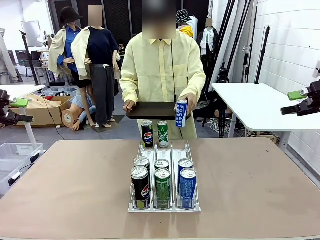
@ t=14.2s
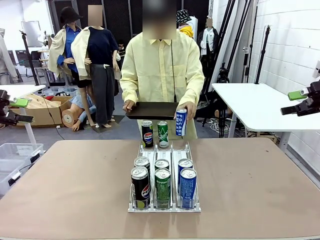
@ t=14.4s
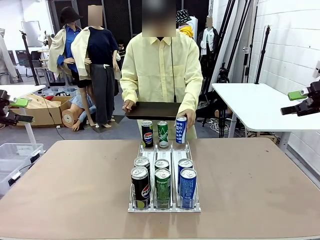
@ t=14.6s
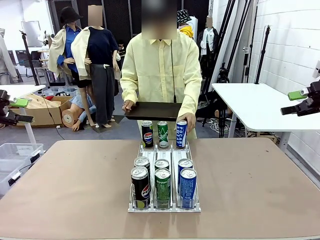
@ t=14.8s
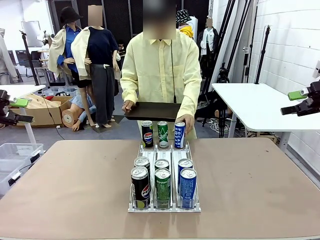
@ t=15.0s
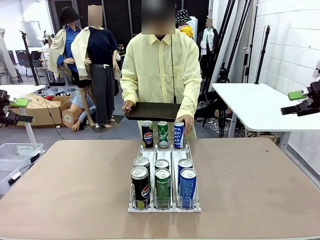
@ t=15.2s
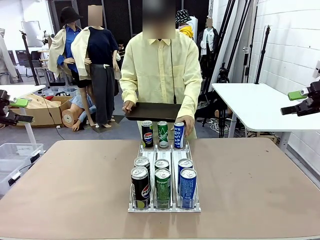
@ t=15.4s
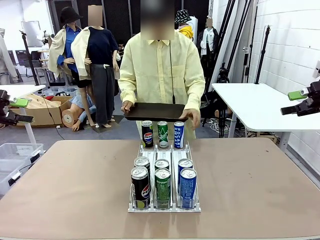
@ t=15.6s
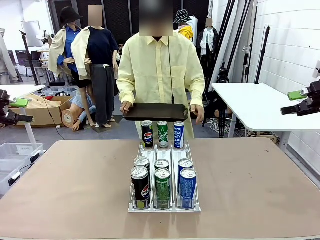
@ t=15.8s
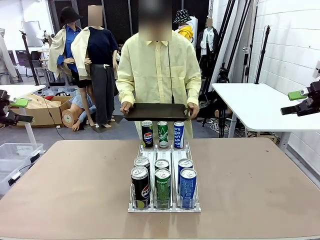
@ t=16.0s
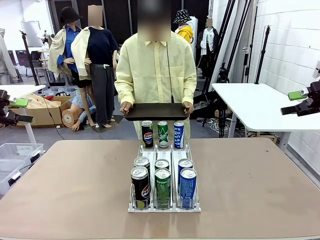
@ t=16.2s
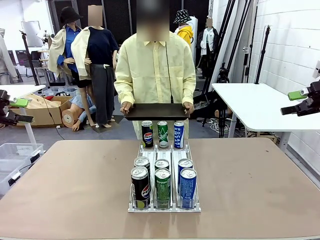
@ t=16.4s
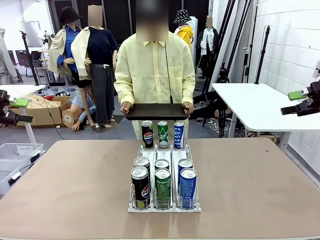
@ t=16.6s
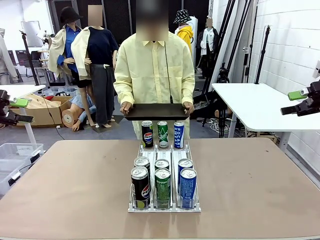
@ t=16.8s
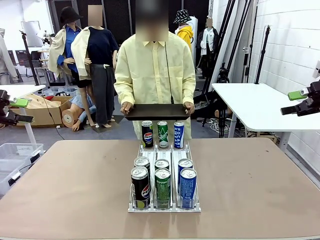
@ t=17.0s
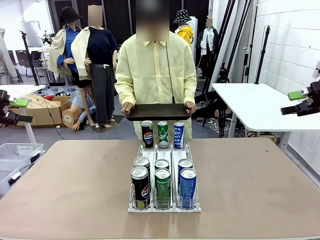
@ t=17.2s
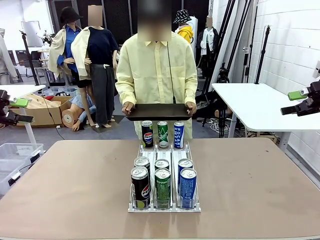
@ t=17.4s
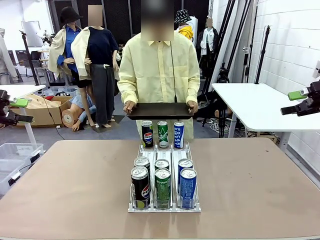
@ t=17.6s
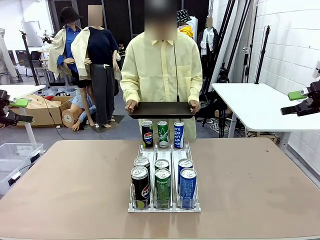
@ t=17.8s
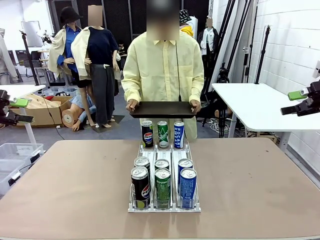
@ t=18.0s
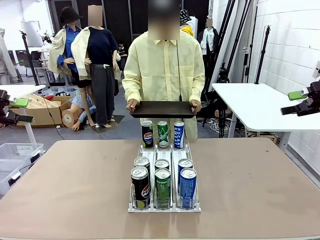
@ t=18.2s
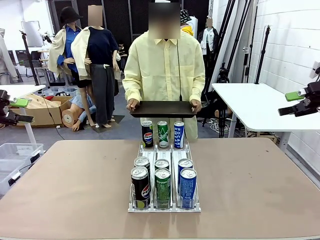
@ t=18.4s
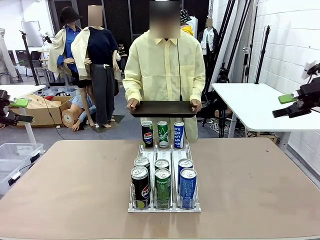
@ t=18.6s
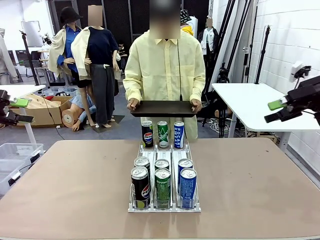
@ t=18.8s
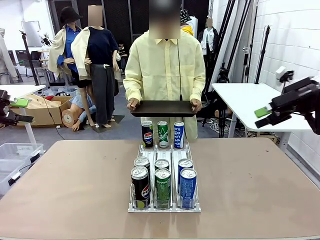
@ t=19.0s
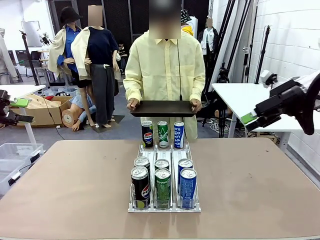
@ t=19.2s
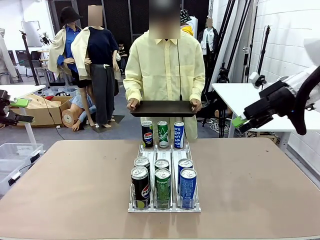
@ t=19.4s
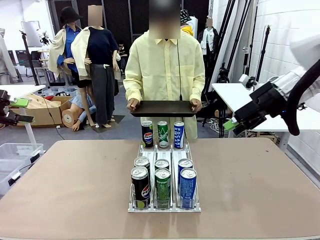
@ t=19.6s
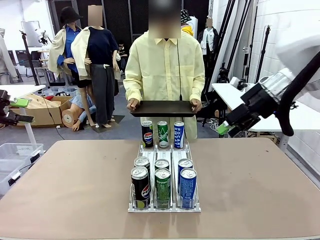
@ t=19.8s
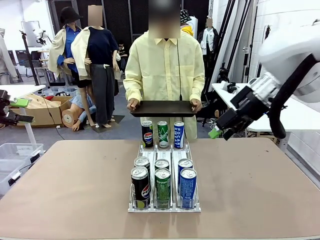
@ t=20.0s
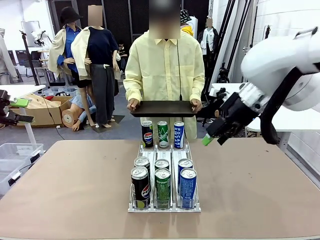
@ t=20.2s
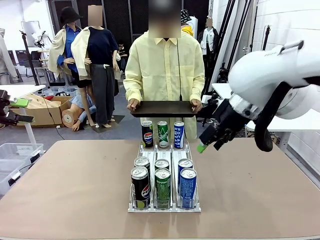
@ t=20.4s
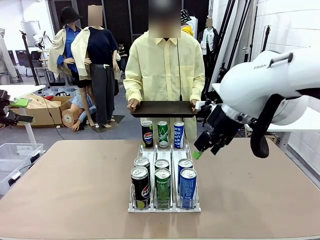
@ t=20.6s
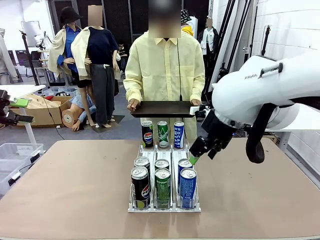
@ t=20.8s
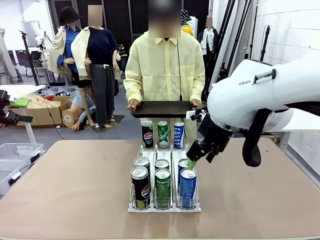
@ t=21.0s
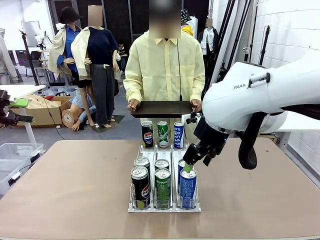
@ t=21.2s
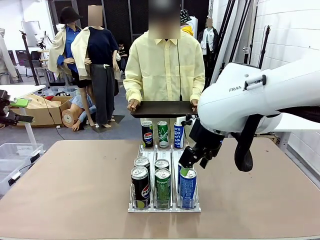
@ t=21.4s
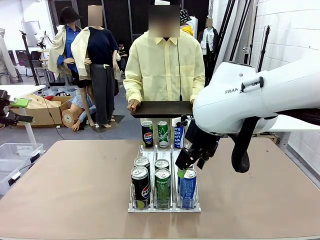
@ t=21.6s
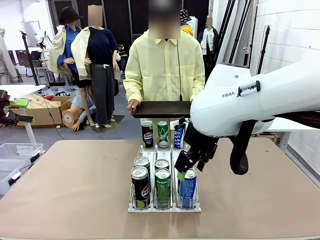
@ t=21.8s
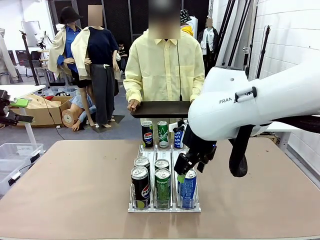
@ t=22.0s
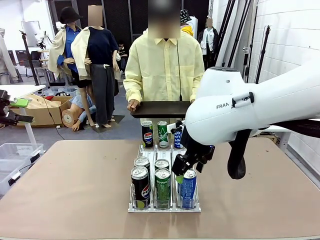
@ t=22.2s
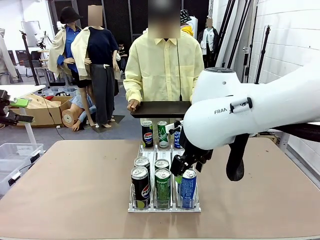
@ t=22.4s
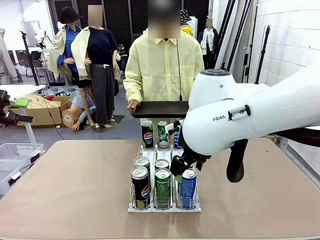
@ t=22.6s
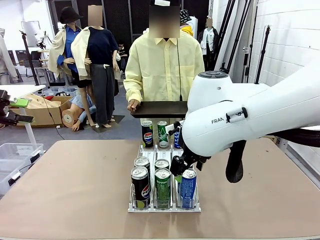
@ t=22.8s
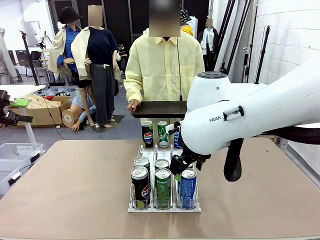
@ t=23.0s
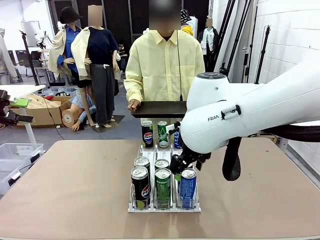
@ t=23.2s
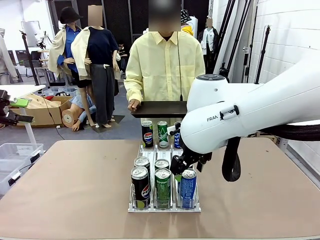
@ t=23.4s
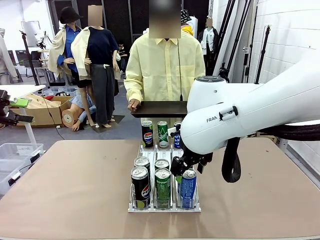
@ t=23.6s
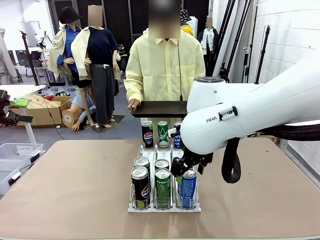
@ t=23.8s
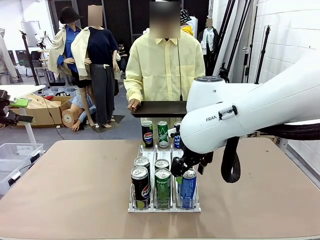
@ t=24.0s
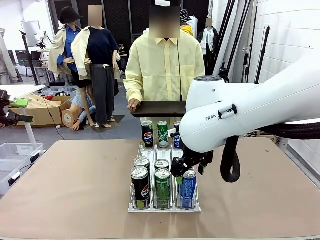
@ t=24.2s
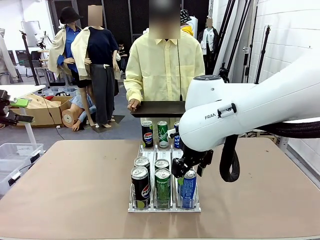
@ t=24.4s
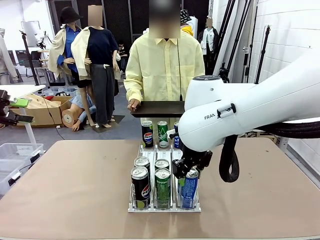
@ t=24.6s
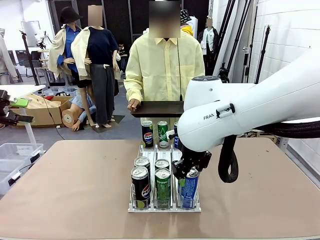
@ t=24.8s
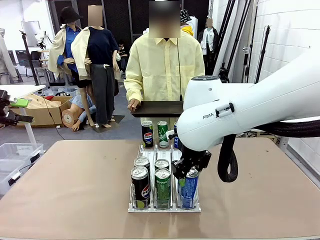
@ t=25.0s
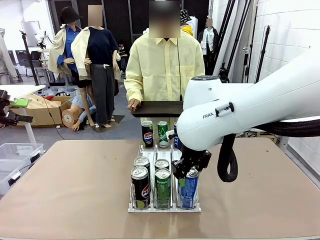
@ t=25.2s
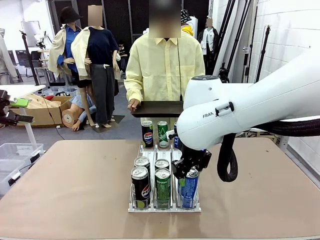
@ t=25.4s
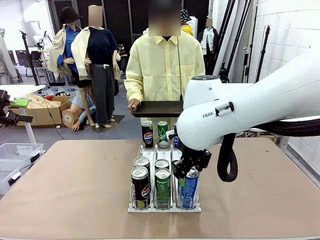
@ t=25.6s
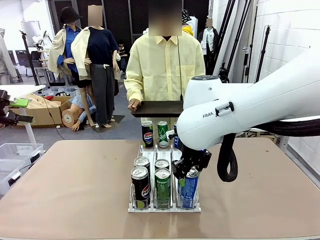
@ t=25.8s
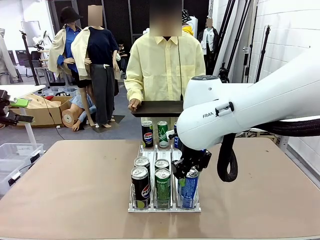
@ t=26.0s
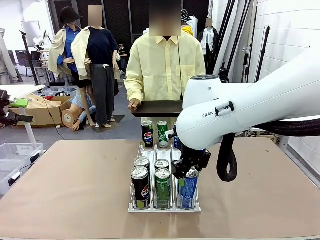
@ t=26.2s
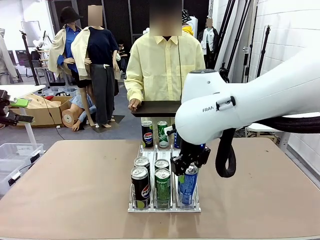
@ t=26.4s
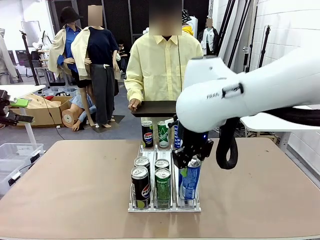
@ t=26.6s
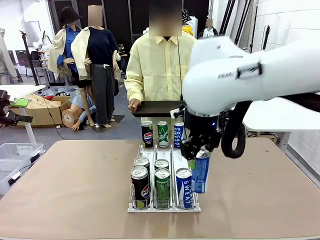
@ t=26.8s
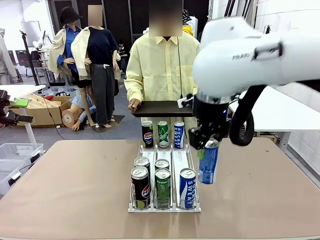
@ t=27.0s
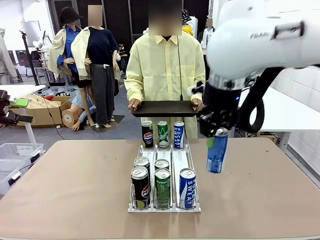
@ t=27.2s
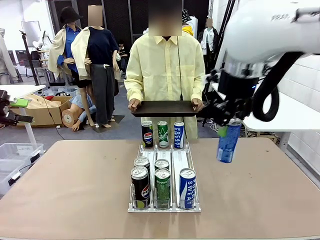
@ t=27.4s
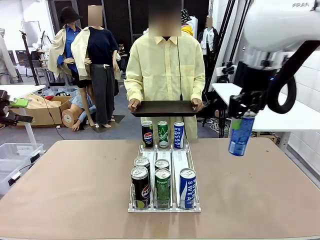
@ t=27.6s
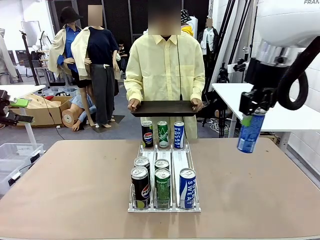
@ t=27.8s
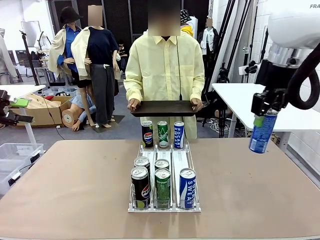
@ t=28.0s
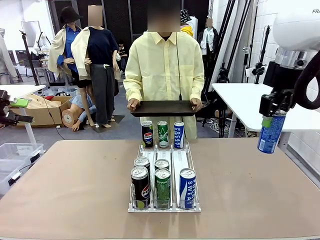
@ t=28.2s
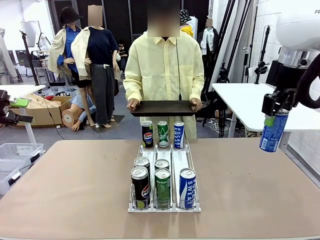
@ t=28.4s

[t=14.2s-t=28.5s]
Task: Retrieve and hand over the desired beverage to the person.
Robot: Pick up a can of the same type that the person held from the Automatic Can Dispenser.
Person: Push the tray toward the robot.

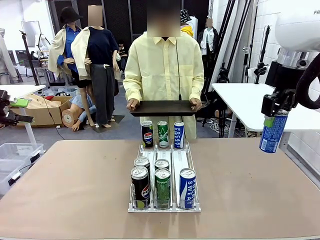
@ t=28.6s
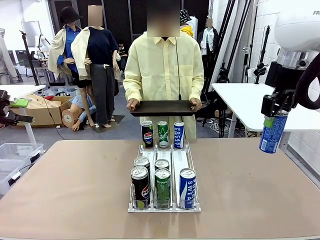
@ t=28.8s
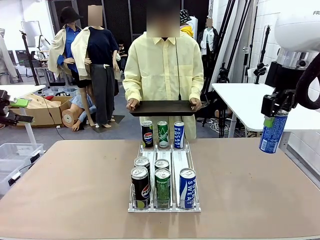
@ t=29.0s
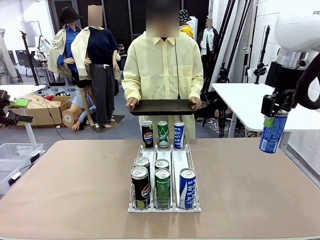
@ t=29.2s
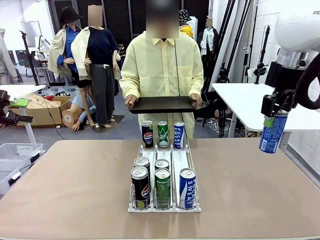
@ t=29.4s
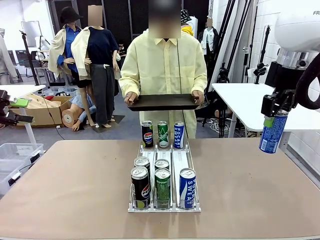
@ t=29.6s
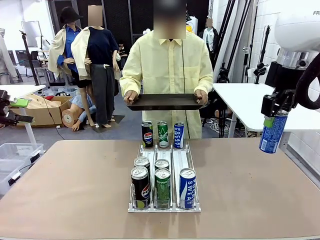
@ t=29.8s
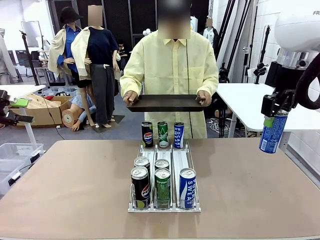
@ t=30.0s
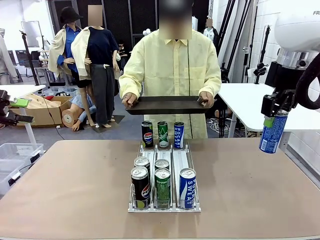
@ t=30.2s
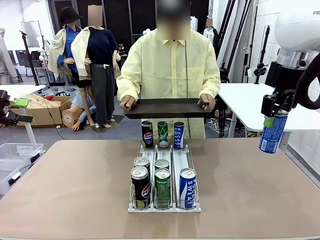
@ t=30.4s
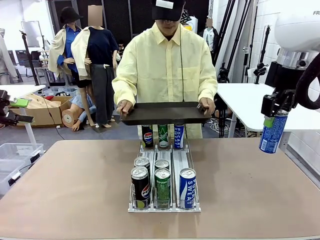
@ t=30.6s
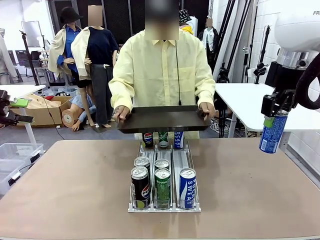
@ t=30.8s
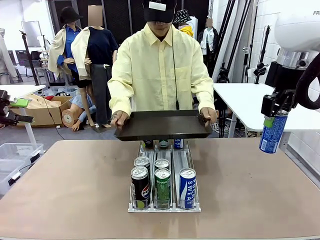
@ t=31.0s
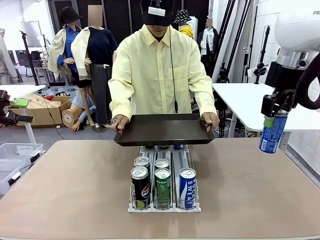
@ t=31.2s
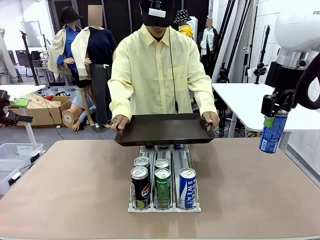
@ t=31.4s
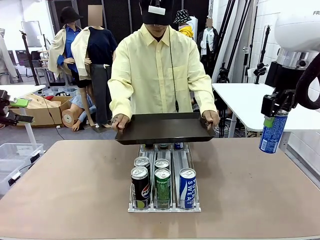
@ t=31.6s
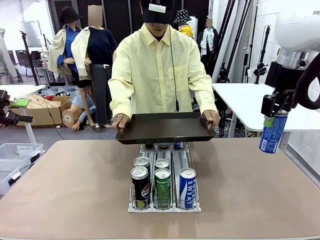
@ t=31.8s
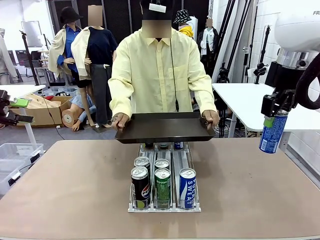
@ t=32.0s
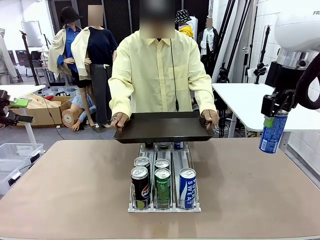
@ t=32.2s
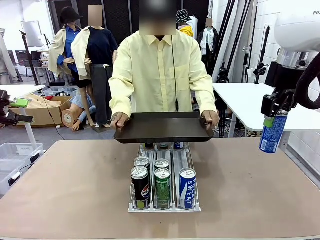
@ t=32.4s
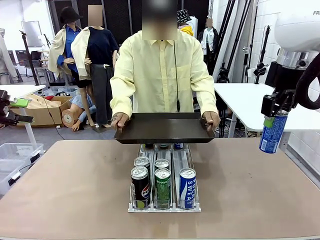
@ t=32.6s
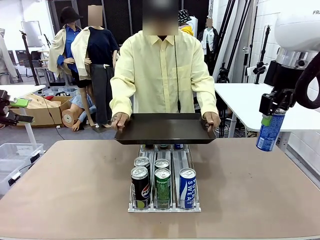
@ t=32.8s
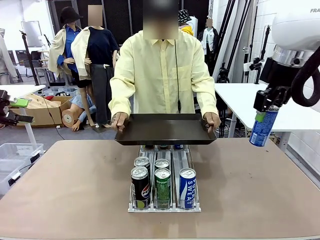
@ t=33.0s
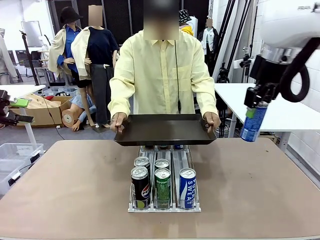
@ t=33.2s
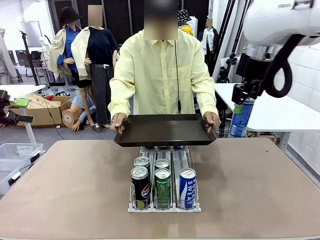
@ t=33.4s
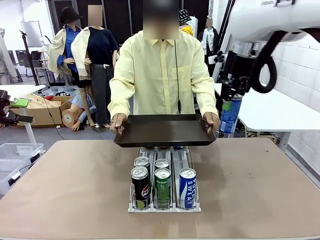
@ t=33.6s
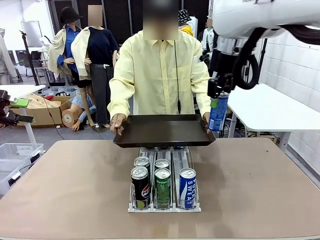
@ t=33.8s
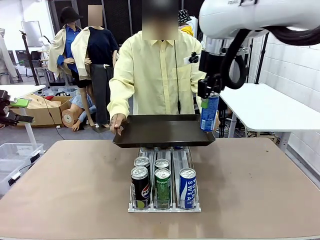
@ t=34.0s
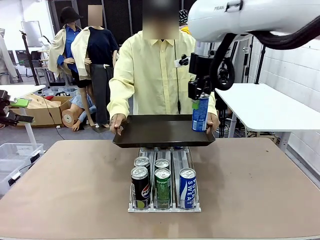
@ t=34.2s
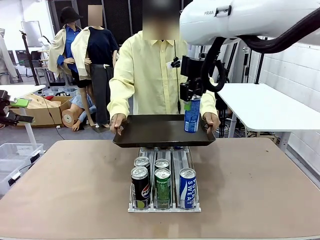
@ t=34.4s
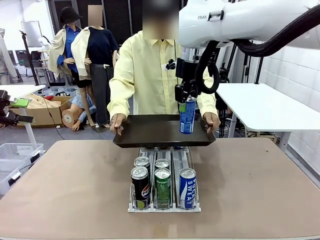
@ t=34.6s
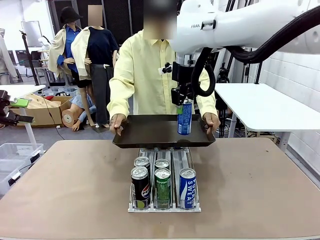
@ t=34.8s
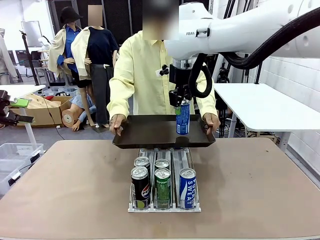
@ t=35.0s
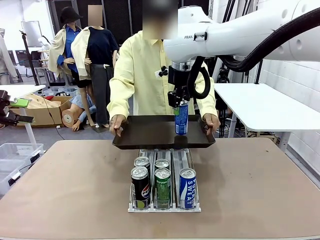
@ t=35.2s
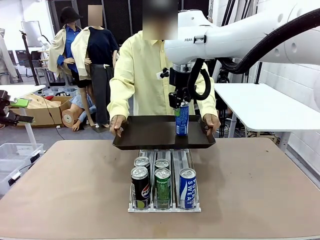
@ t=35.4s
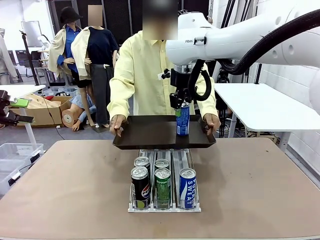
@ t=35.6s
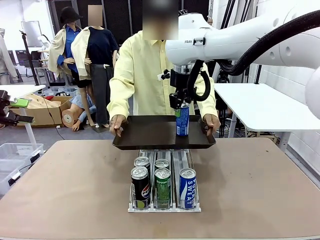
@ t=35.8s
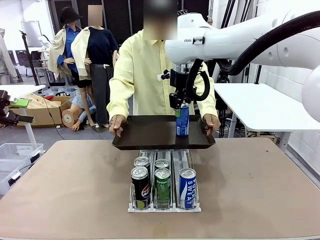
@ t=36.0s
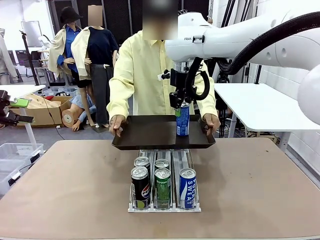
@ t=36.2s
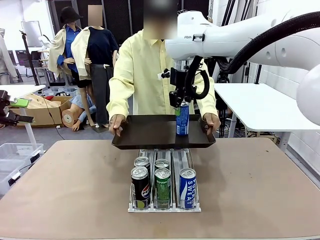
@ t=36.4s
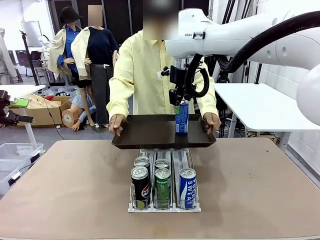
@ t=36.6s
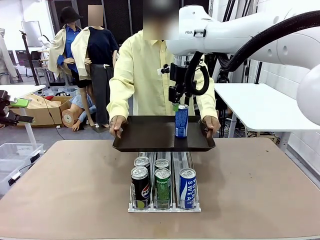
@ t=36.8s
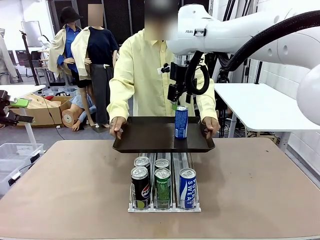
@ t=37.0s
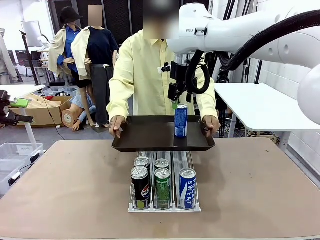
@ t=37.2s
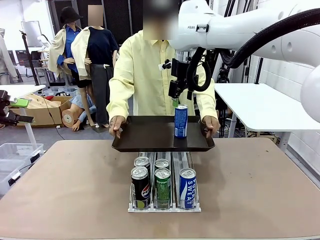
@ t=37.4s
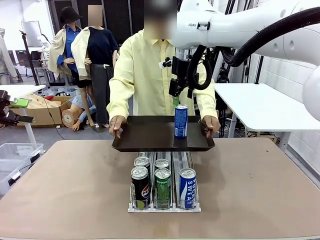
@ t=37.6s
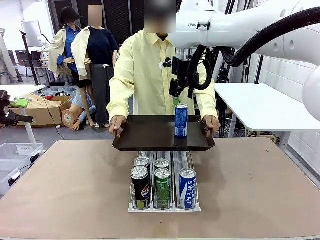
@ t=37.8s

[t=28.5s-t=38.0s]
Robot: Place the picked can on the Handle tray extended by the person.
